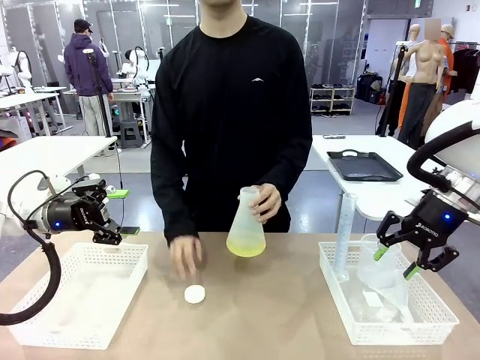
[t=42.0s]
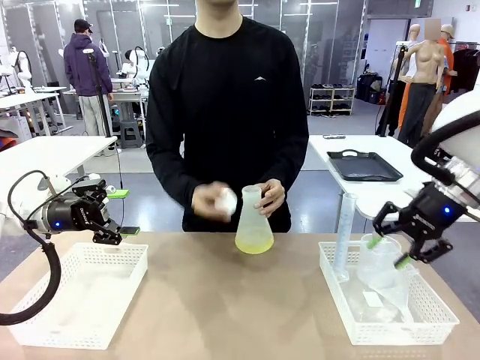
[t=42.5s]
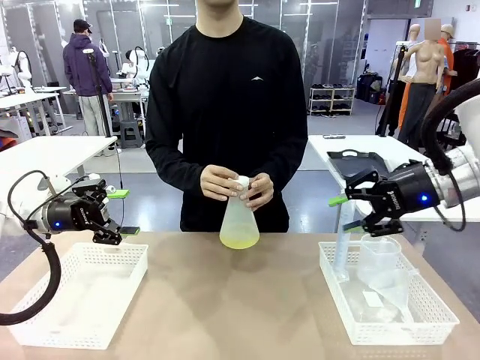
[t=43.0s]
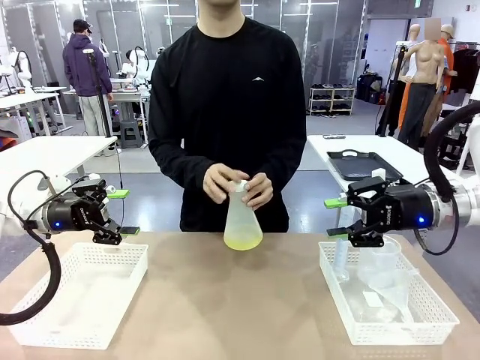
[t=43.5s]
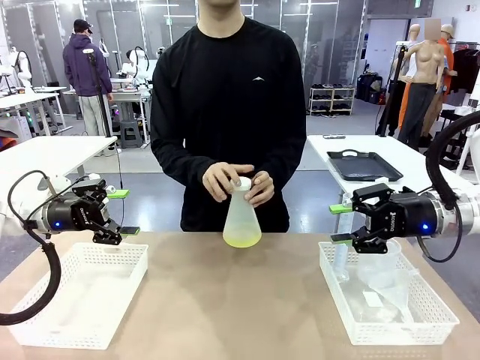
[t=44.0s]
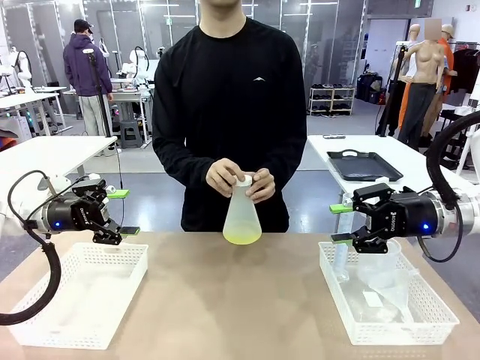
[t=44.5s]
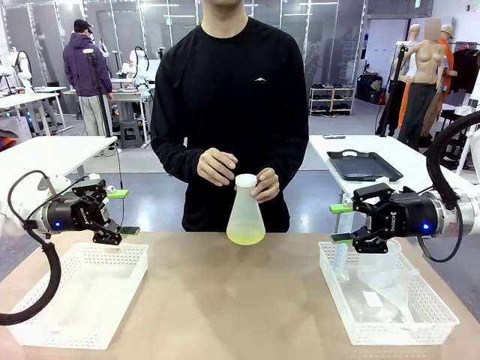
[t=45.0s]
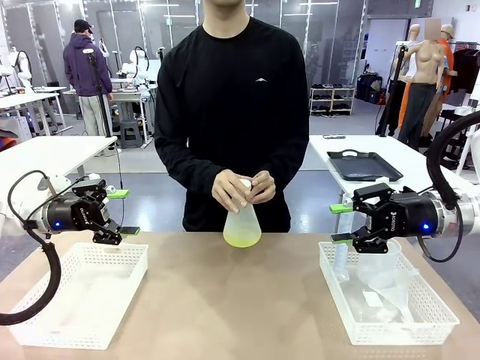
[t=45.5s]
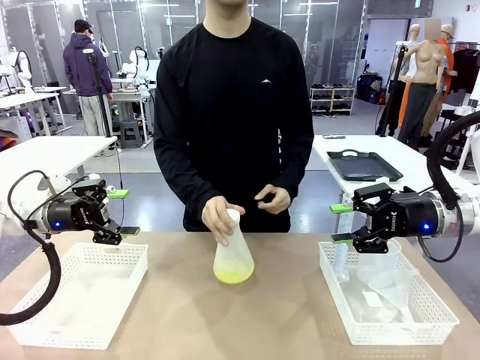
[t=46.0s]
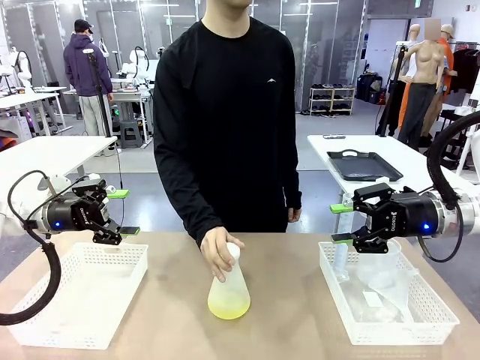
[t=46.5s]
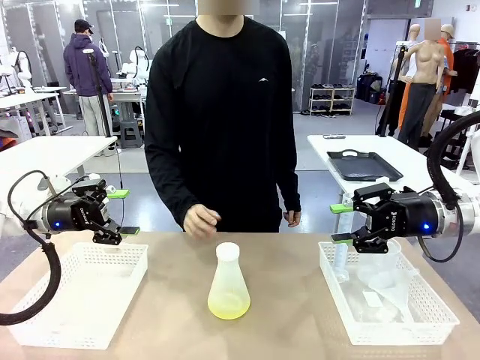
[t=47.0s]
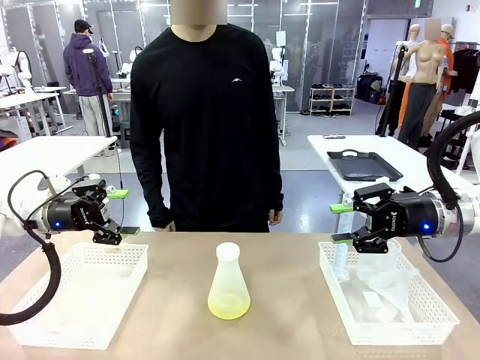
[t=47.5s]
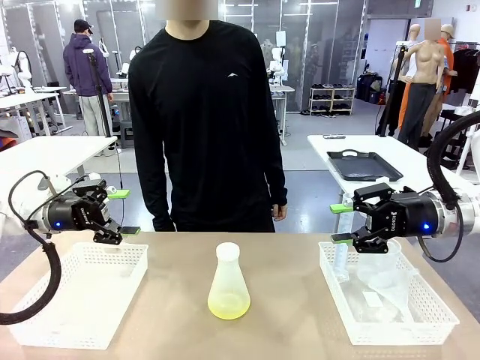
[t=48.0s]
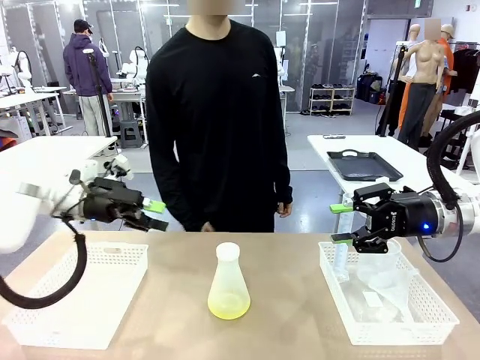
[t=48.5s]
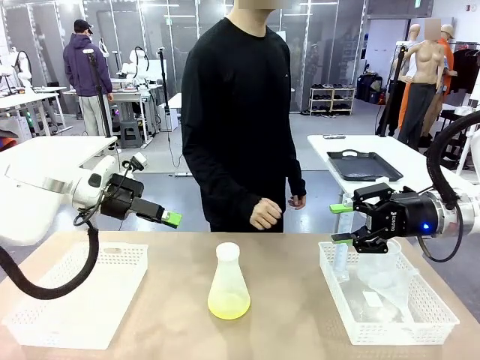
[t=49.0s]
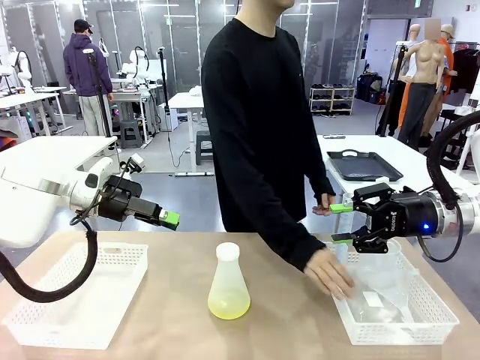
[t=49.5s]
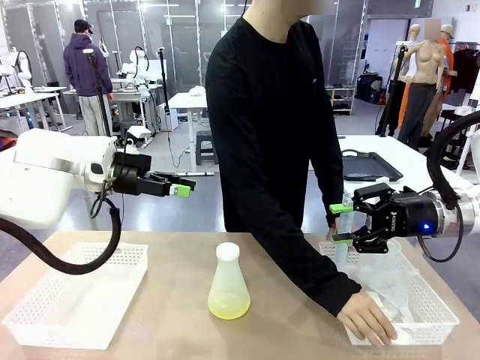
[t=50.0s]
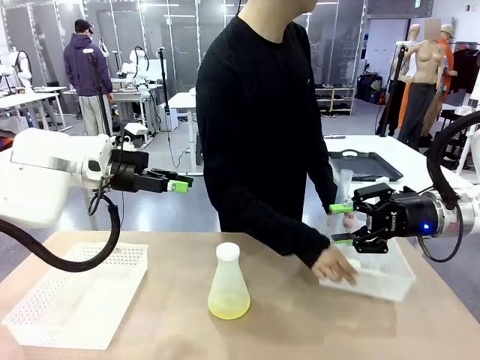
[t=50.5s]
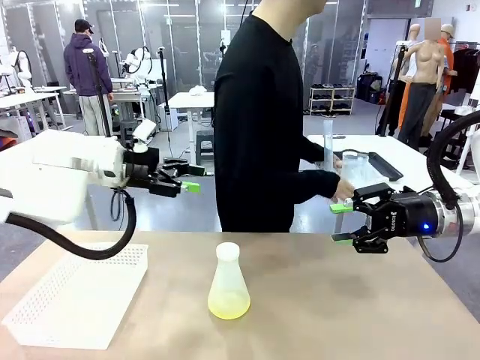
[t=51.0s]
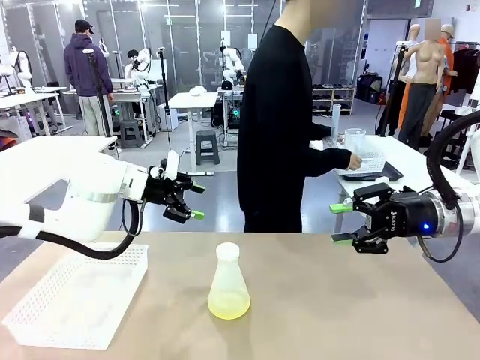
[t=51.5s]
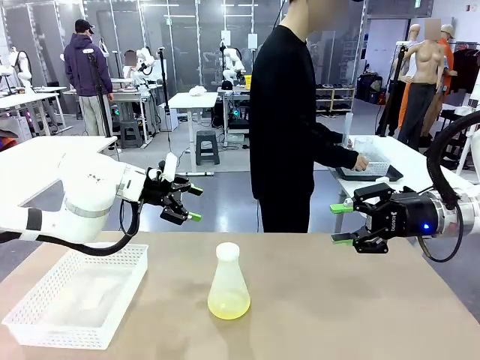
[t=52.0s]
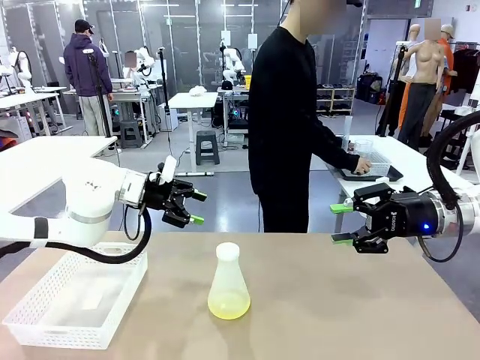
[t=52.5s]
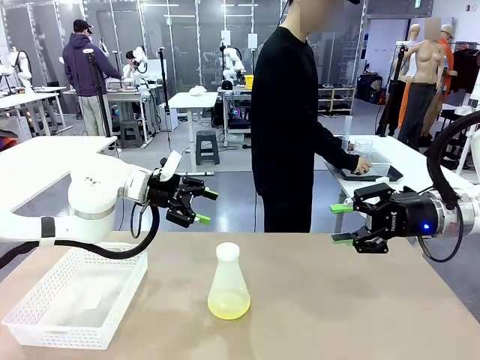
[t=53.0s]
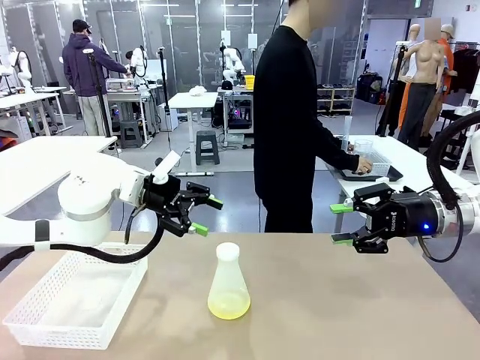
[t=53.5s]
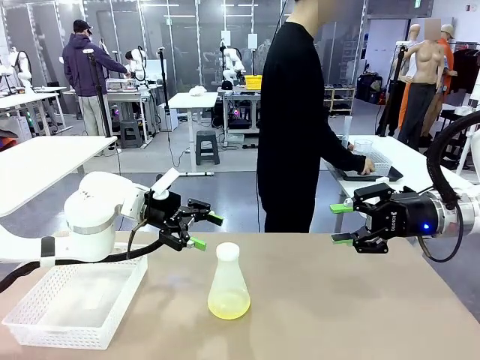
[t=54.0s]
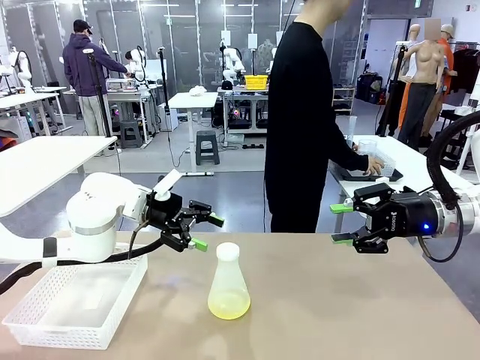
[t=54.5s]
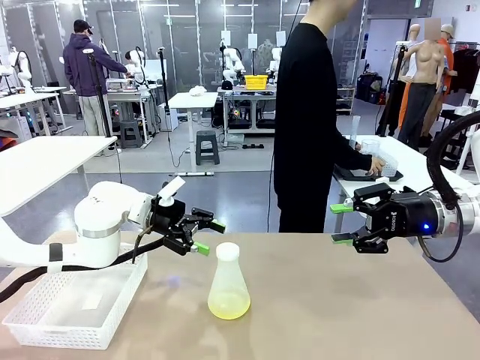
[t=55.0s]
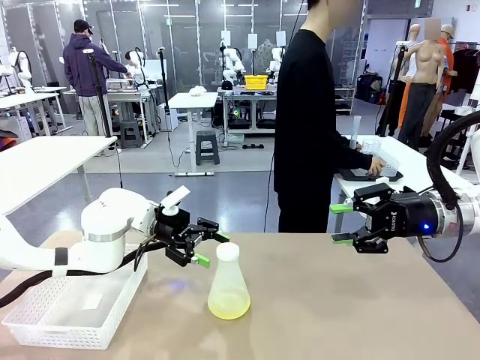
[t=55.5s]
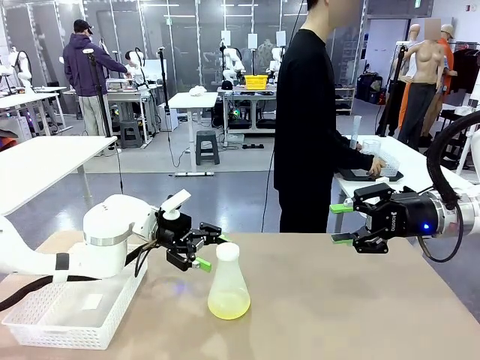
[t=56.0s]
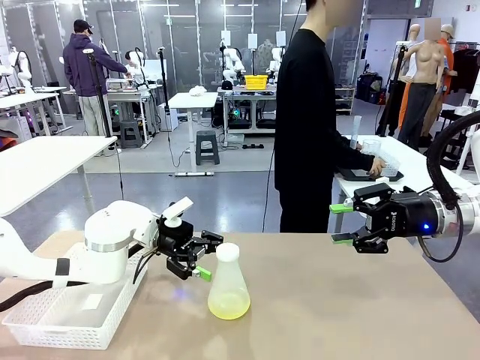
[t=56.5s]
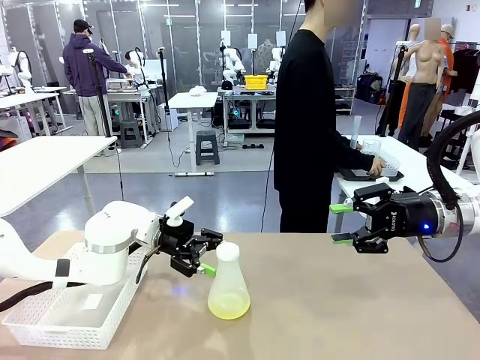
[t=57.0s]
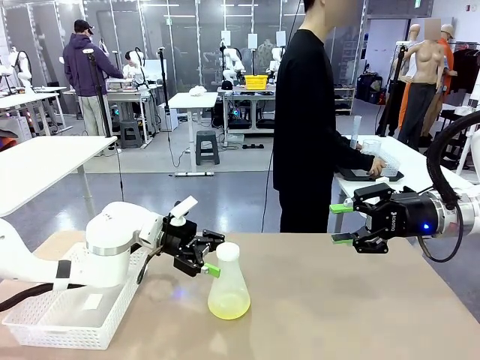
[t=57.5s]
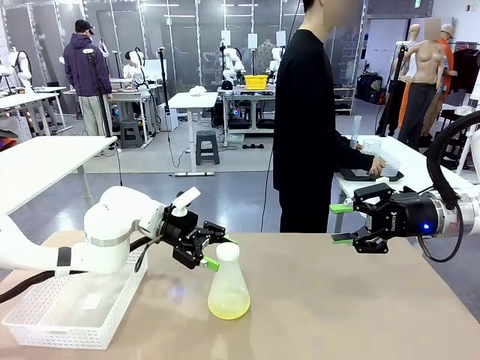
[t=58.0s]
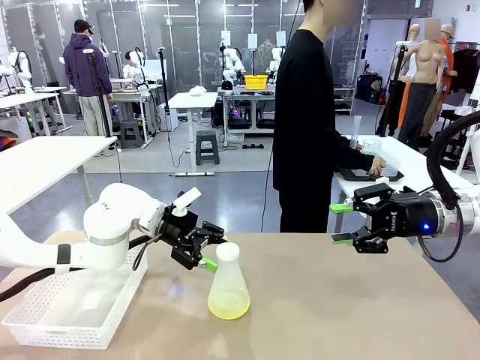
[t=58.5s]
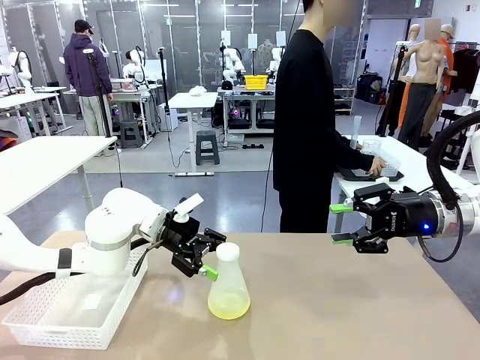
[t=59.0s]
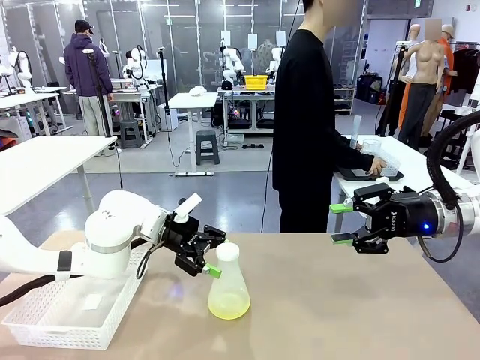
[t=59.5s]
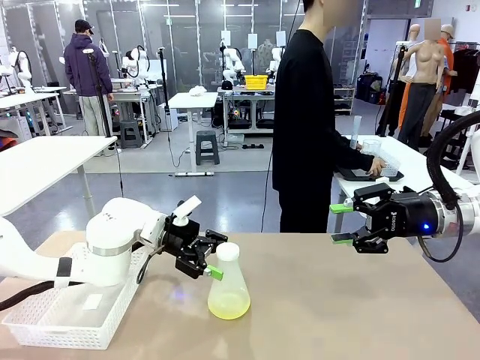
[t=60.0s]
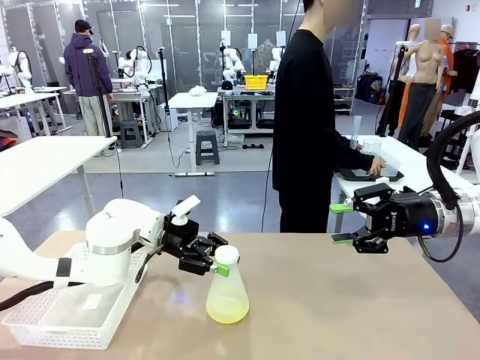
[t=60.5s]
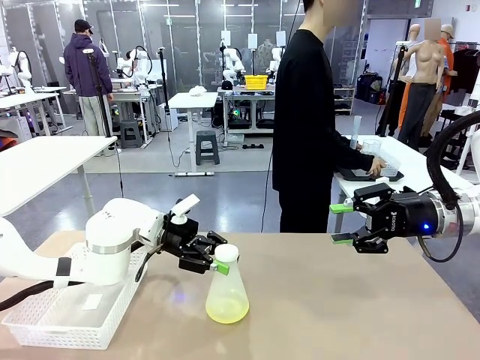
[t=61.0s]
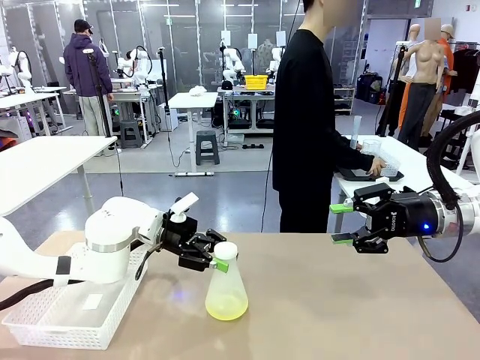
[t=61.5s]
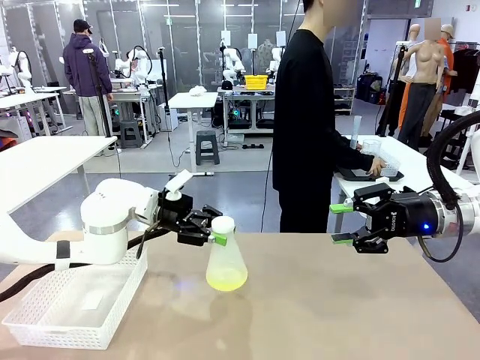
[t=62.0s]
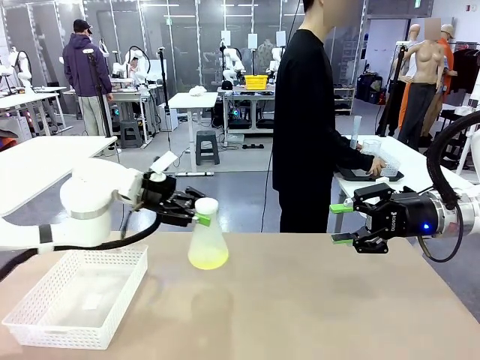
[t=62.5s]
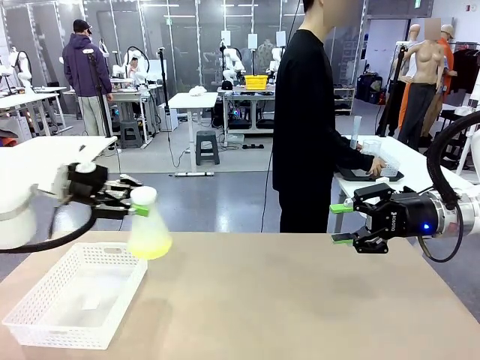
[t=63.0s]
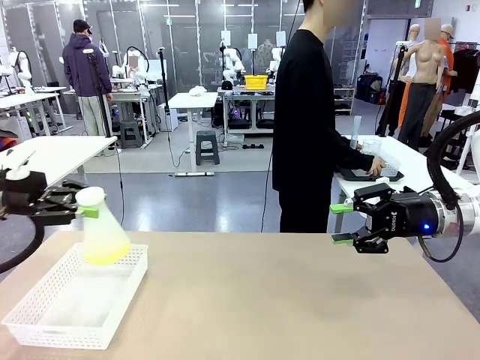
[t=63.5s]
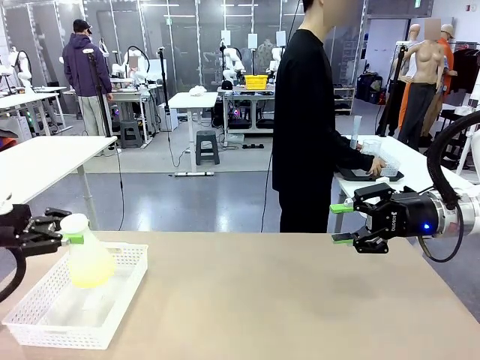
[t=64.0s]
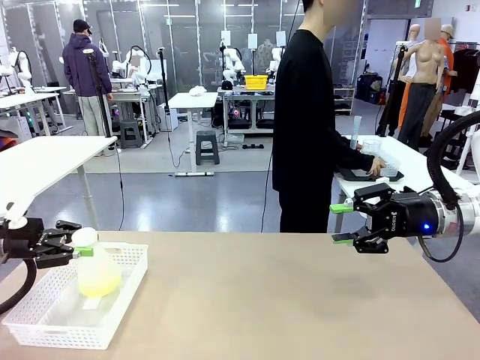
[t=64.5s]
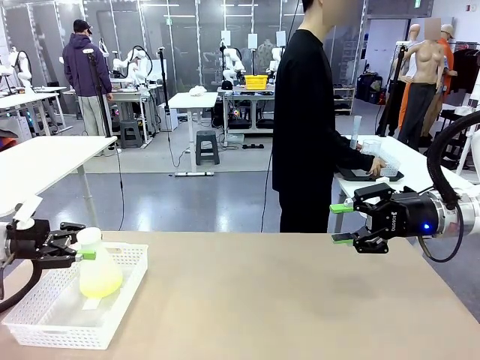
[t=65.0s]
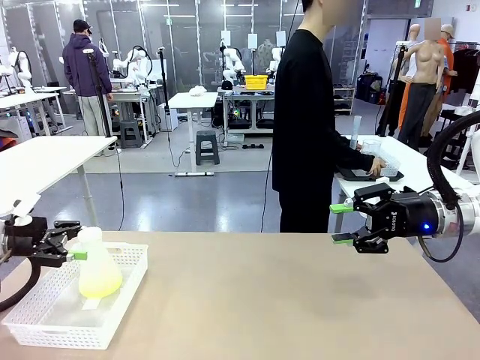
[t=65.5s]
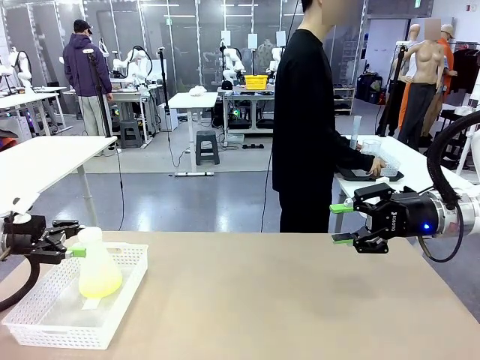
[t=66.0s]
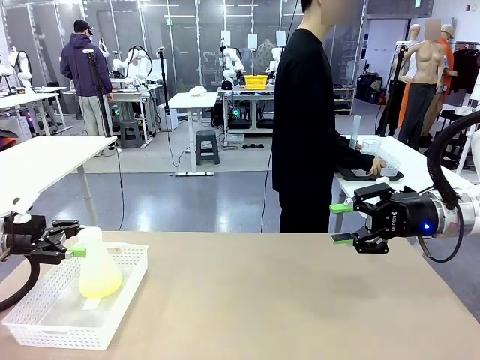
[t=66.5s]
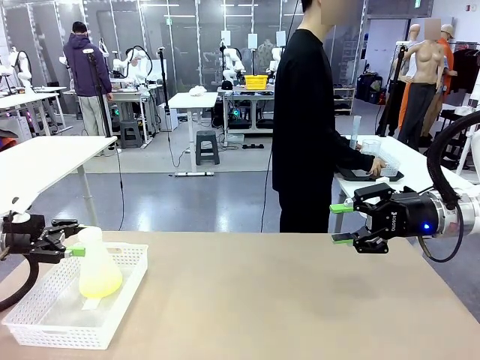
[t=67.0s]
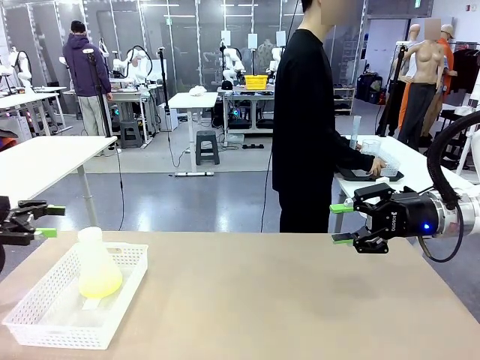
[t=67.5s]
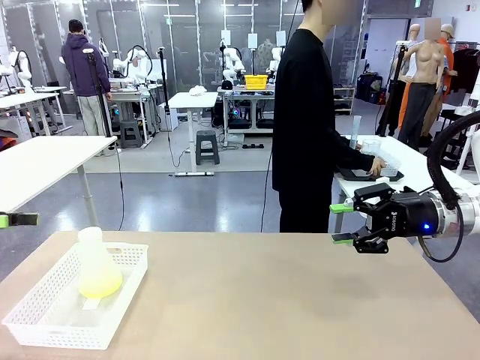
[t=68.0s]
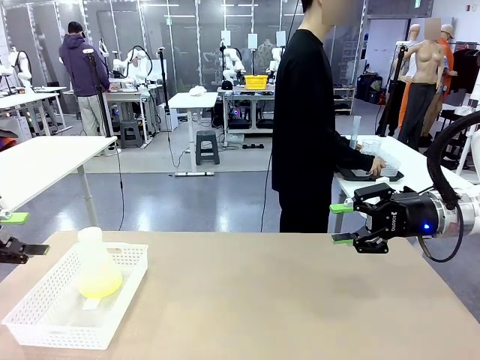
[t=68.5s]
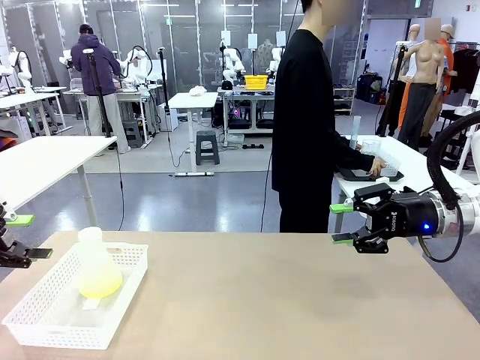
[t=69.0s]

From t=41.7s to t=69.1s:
Task: Prepare the solutions needed for the experiment.
Robot: When the human places the Big flask in the center of the table, pick up the Big flask and place it in the left Organizing basket.
Person: Pick up the organizing basket on the left side of the robot table and place it on the left side of the human table.
